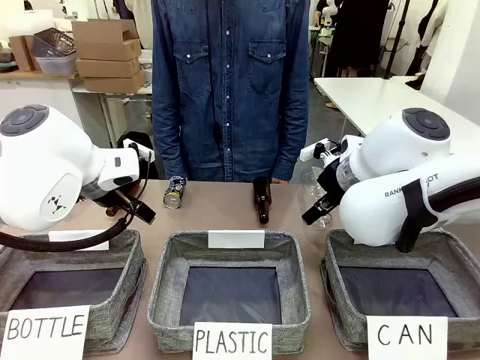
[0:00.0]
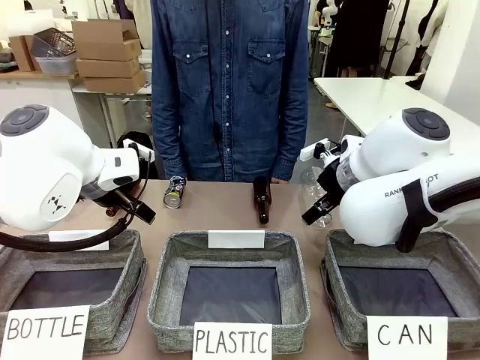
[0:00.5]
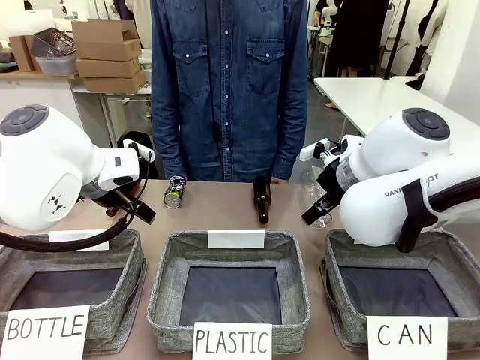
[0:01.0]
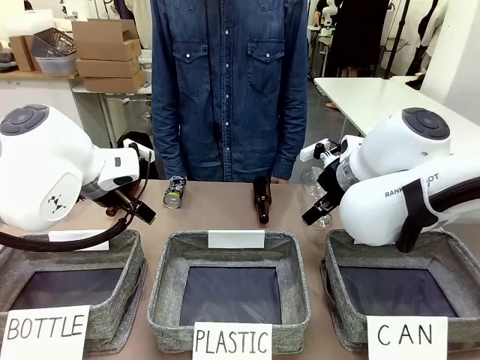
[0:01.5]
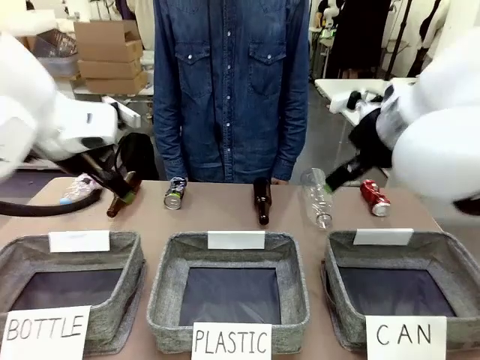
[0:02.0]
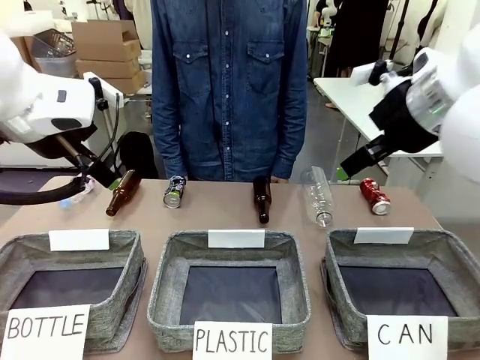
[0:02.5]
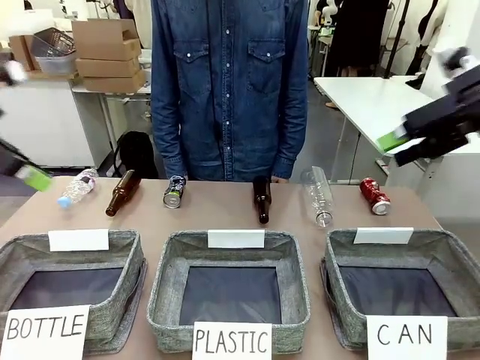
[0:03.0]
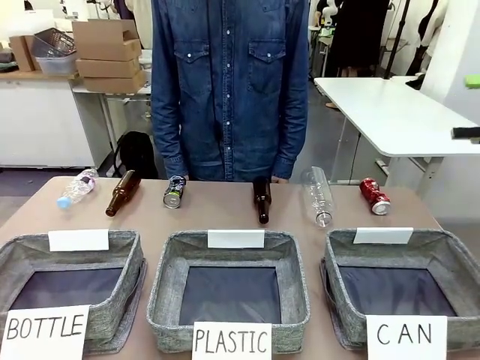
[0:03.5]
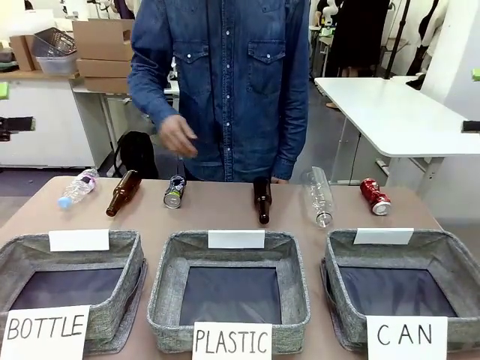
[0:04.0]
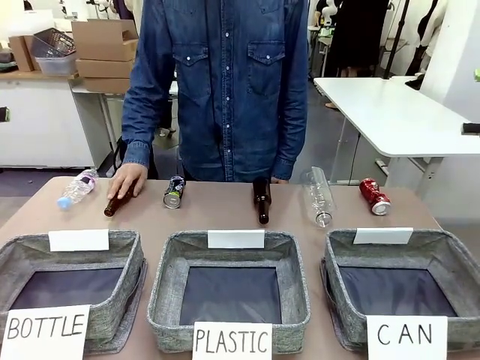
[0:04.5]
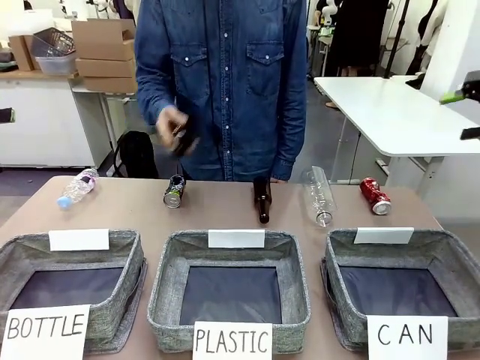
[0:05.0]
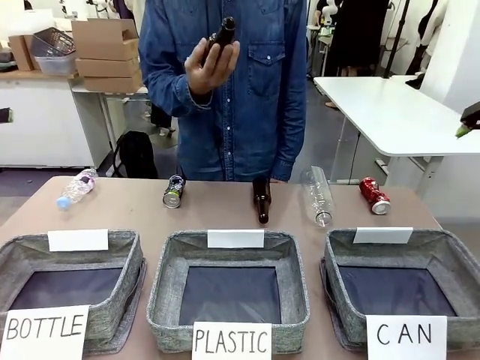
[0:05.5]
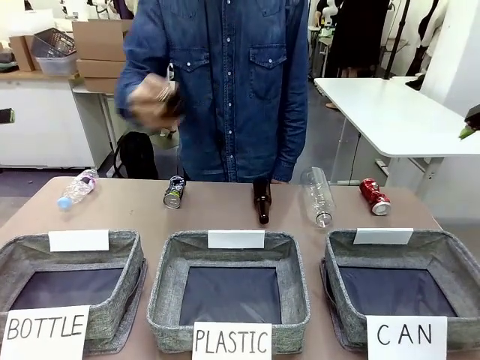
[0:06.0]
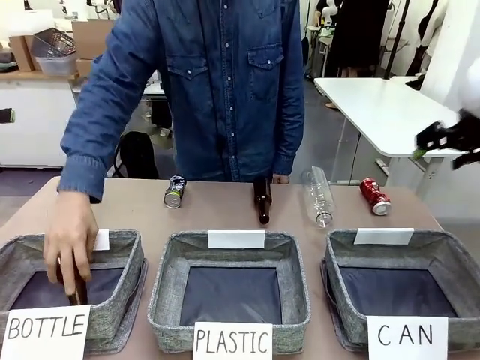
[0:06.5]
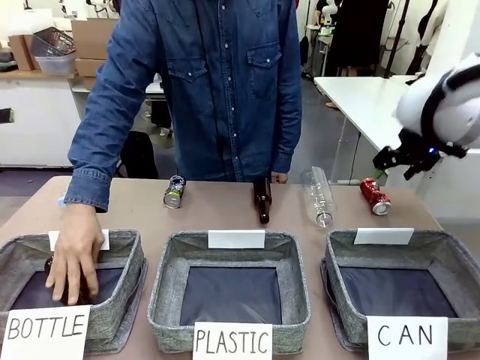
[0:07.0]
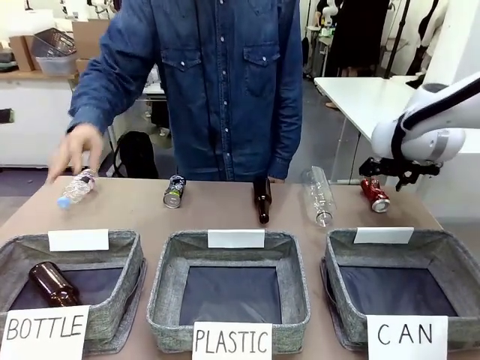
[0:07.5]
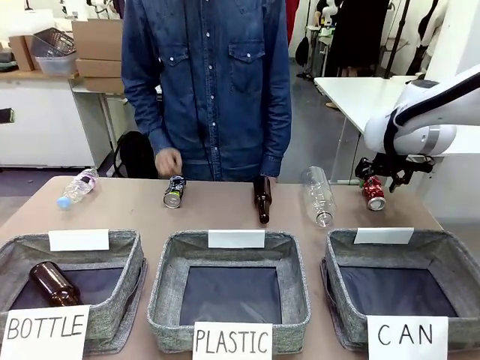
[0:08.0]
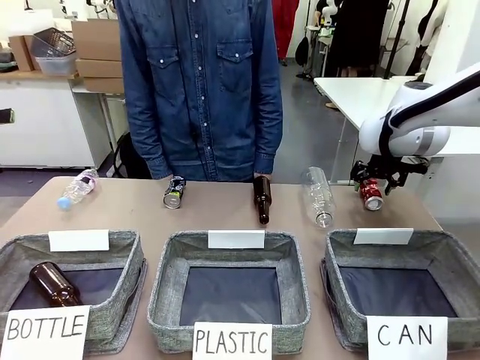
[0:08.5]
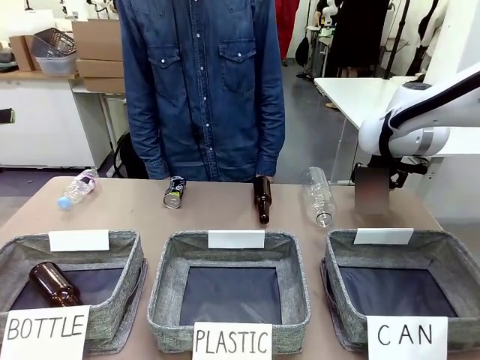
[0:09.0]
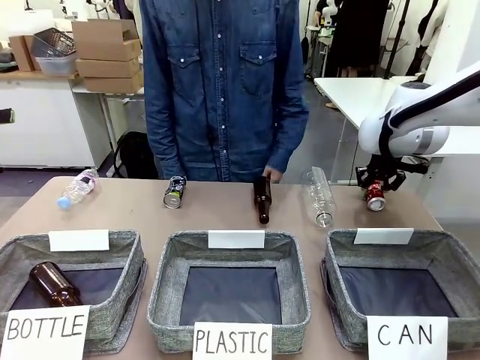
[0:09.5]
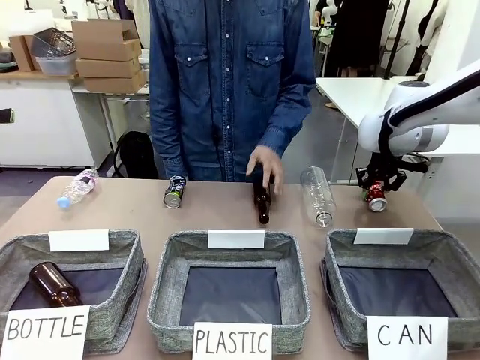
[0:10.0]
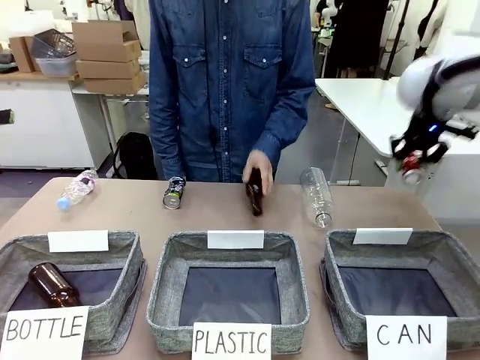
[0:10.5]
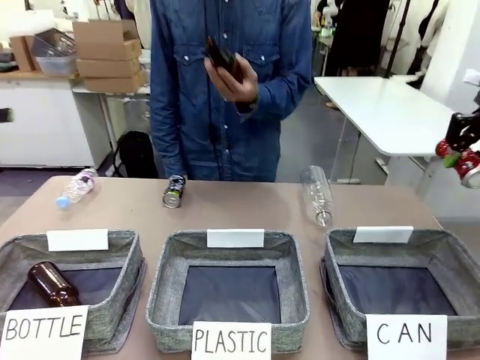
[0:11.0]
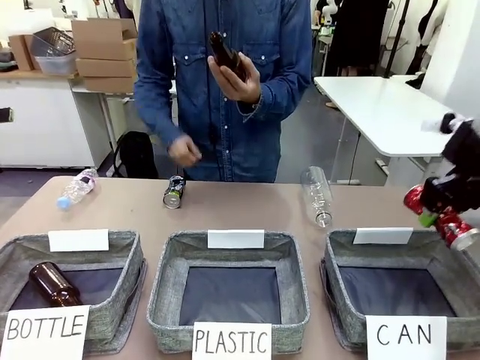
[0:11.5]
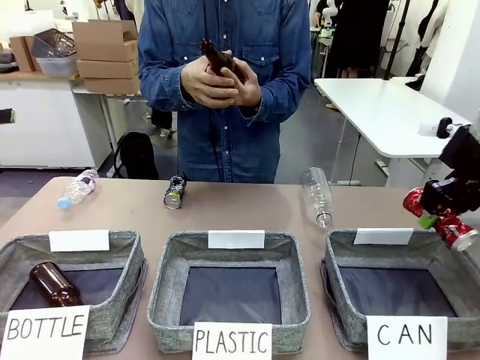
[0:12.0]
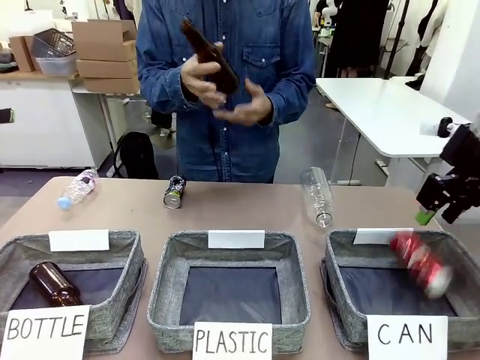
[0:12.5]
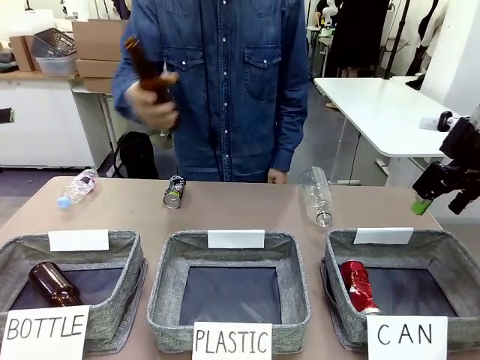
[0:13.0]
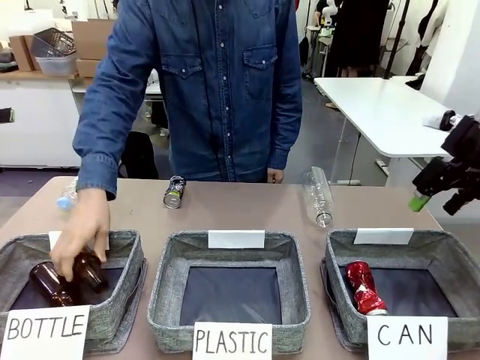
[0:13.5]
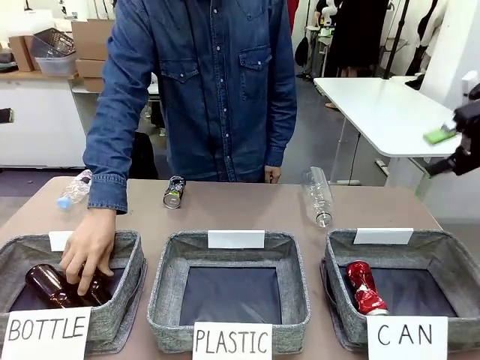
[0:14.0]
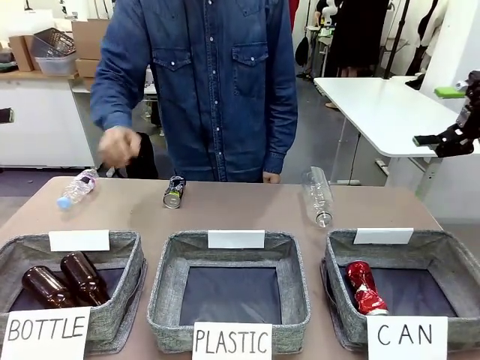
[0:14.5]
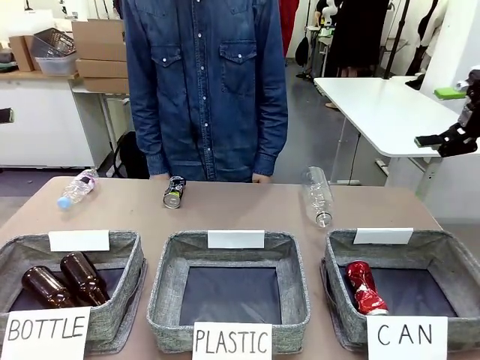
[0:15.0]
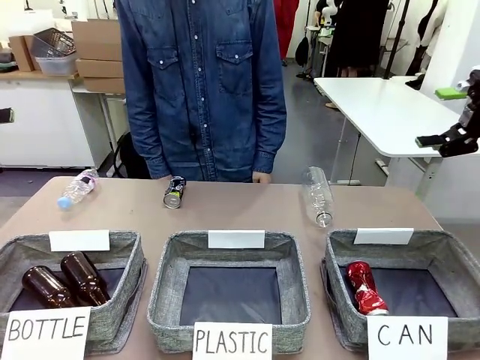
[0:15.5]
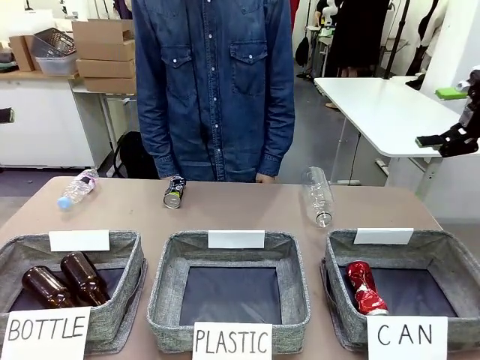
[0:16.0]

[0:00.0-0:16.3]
Task: Sort the can waste into the basket.
Robot: Pick up the can waste from the table and place it in the right Fabric basket.

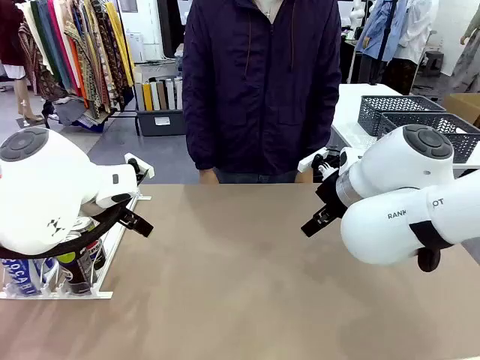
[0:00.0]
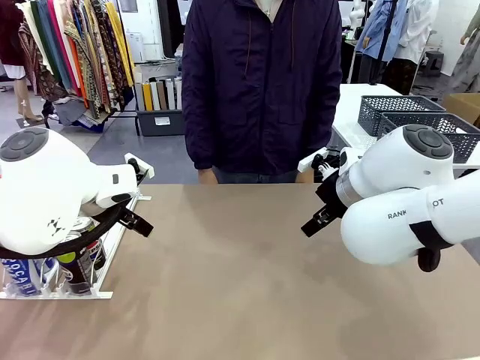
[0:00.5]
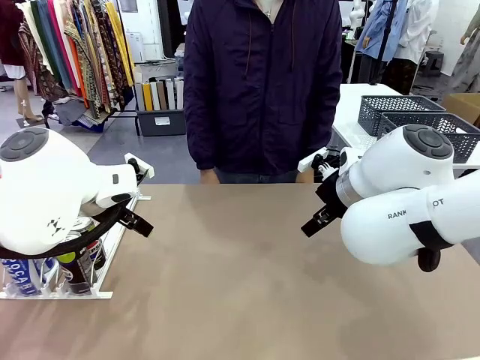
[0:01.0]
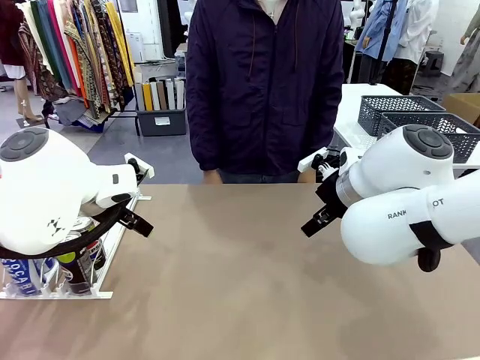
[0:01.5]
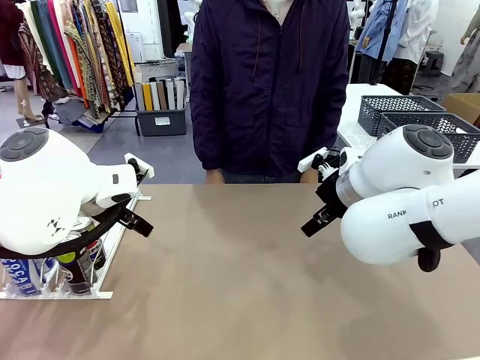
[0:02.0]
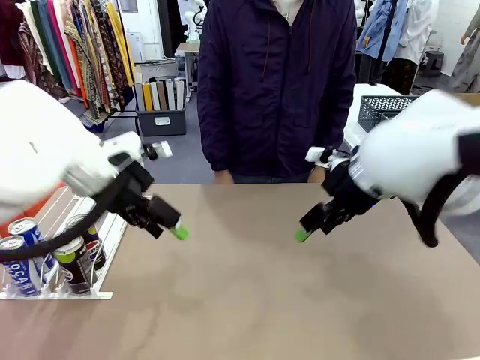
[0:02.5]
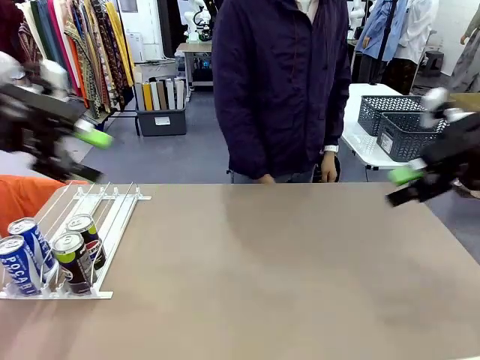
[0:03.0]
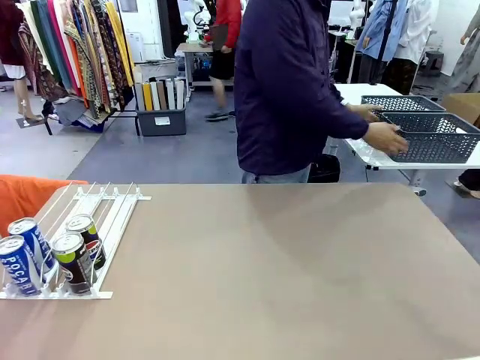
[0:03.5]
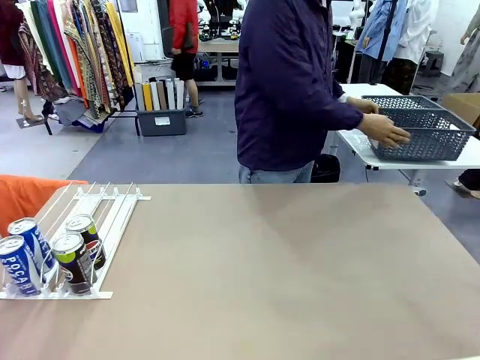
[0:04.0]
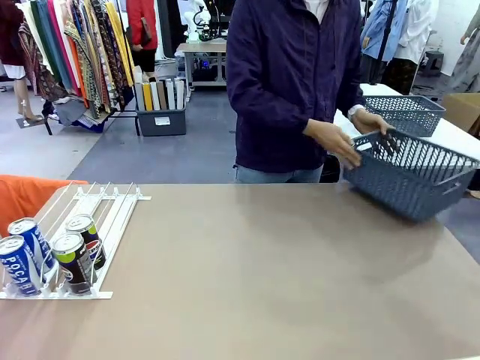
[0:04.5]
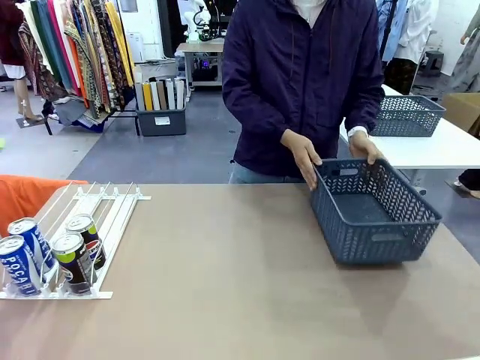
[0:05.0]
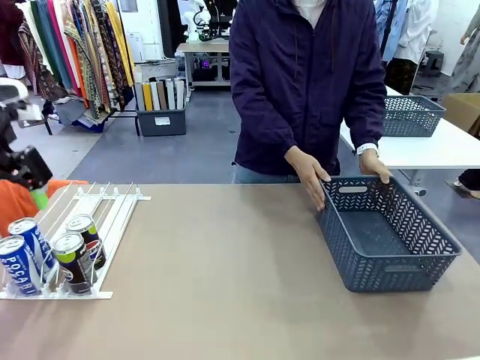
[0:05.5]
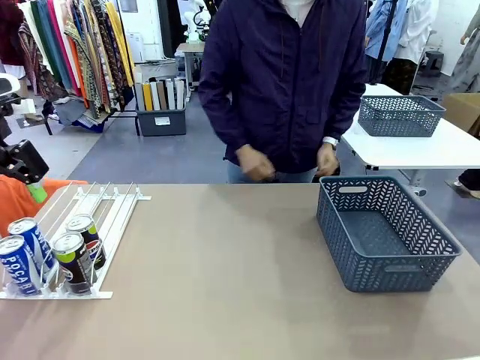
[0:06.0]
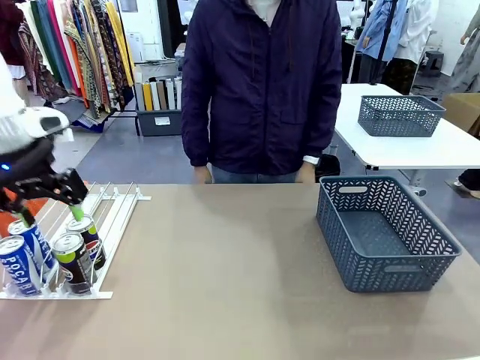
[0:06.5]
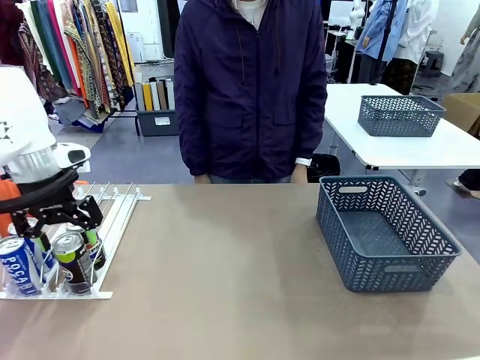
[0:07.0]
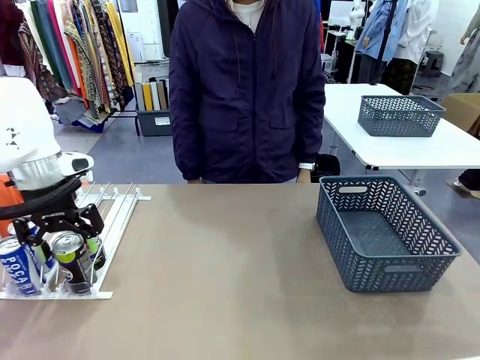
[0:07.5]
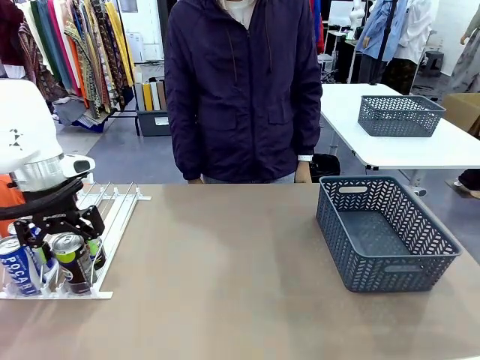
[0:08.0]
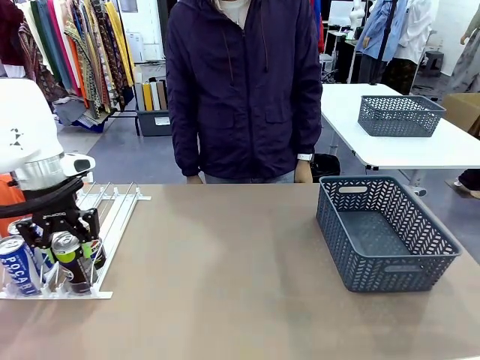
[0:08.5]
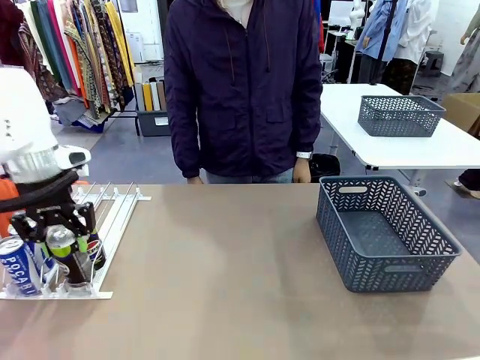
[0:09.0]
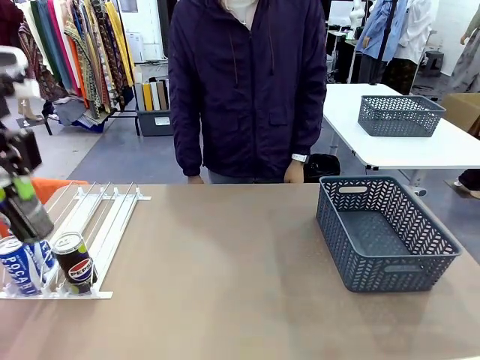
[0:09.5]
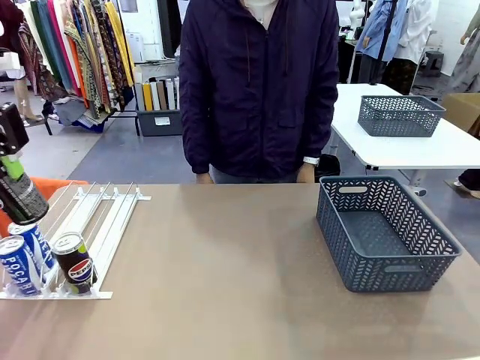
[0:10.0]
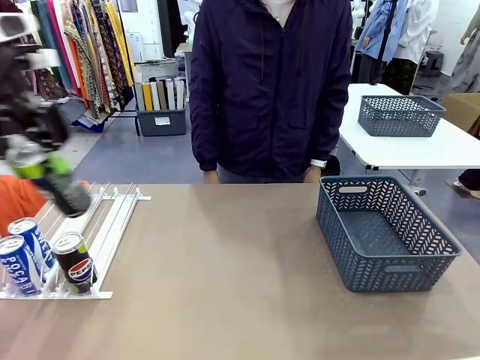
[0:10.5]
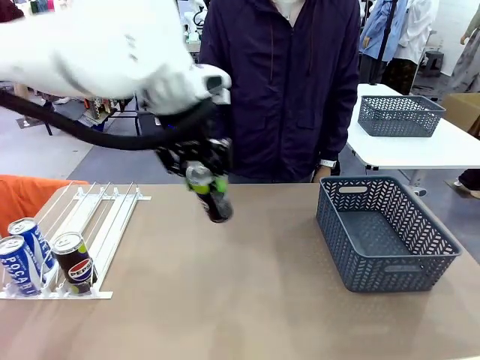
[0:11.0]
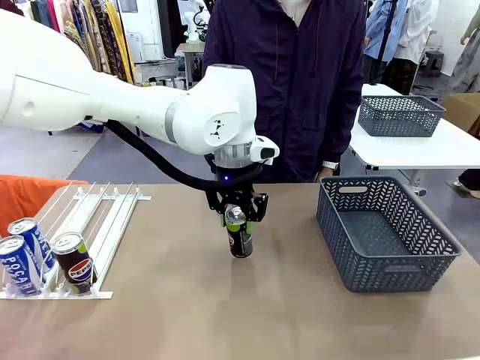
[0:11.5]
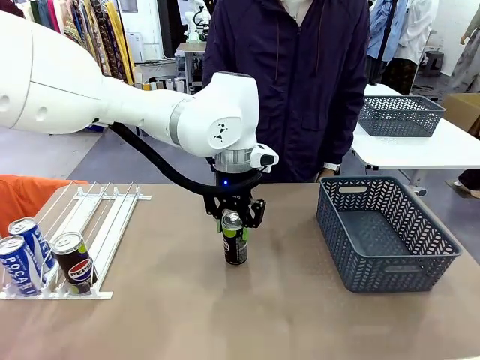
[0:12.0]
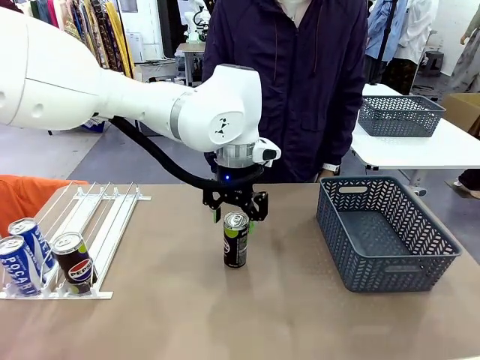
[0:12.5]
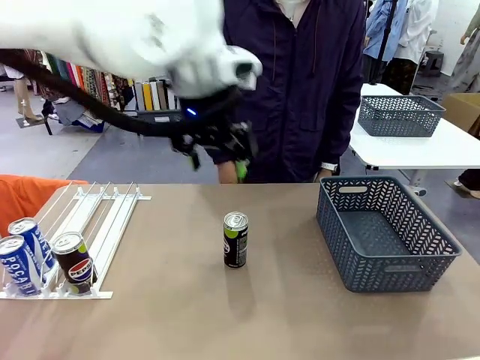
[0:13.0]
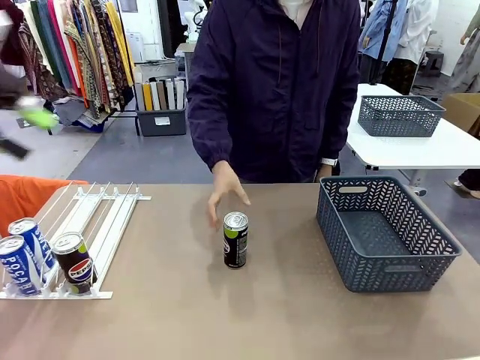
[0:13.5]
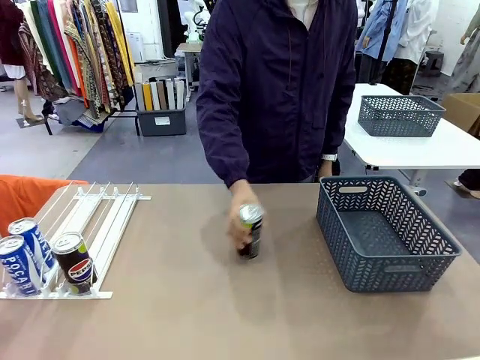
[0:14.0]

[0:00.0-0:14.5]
Task: Retrieve and store the cans from the dispenser.
Robot: Pick up one can from the Automatic Can Dispenser and place it in the middle of the table.
Person: Pick up the basket and place it on the left side of the robot table.
